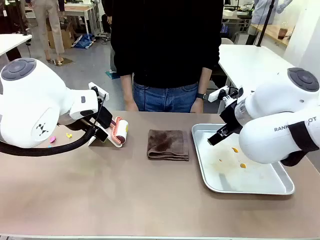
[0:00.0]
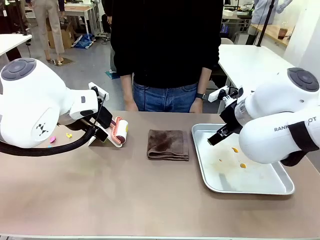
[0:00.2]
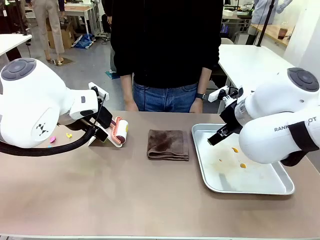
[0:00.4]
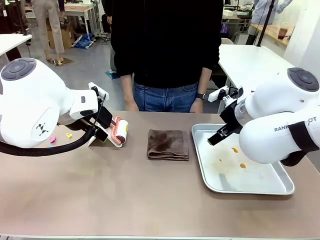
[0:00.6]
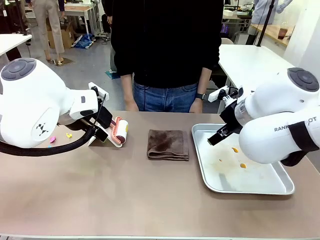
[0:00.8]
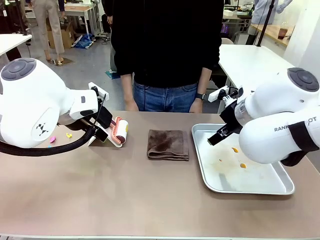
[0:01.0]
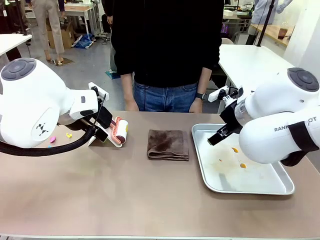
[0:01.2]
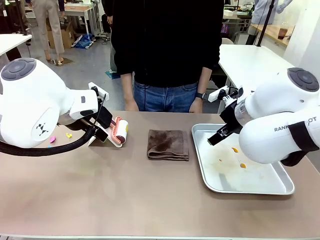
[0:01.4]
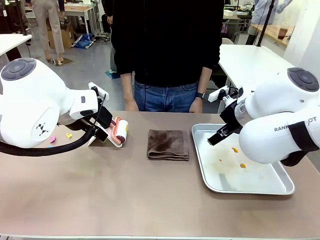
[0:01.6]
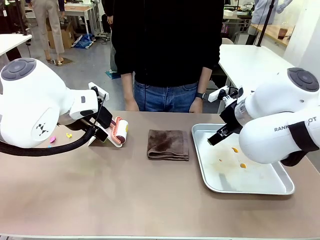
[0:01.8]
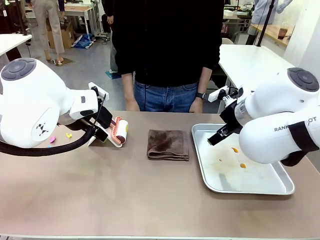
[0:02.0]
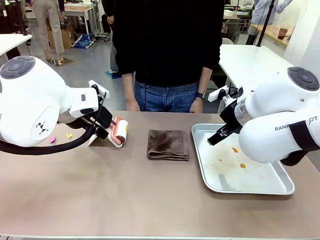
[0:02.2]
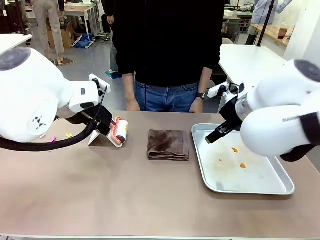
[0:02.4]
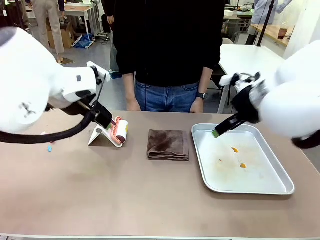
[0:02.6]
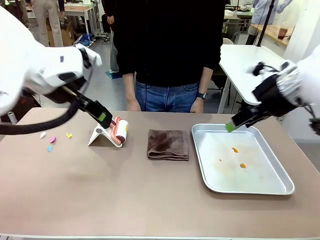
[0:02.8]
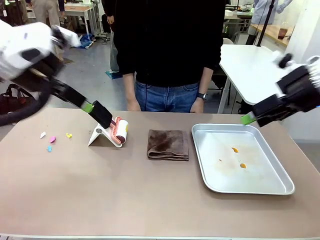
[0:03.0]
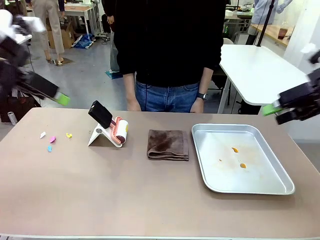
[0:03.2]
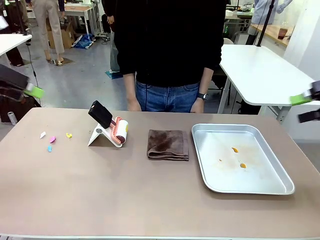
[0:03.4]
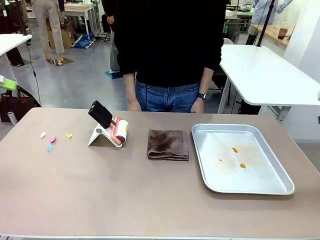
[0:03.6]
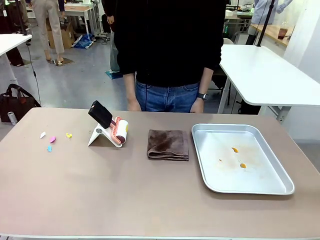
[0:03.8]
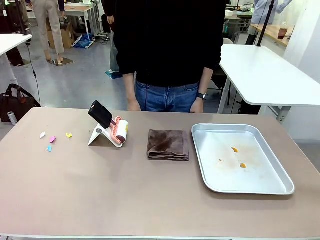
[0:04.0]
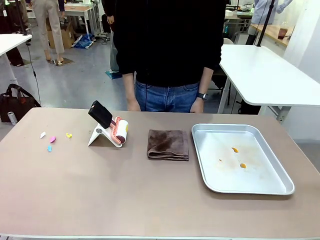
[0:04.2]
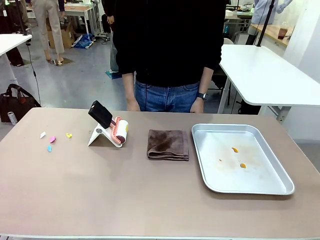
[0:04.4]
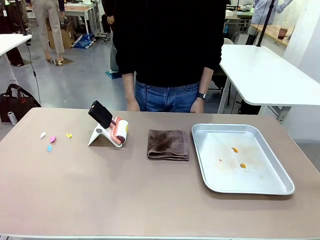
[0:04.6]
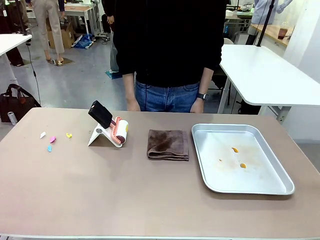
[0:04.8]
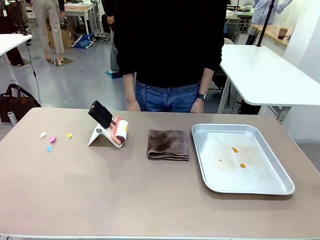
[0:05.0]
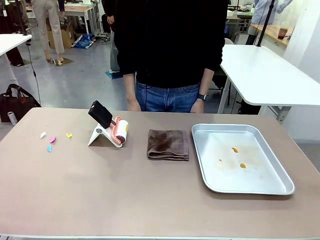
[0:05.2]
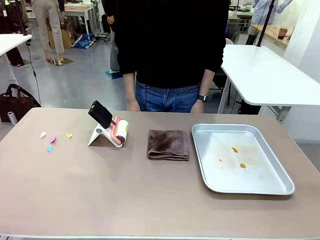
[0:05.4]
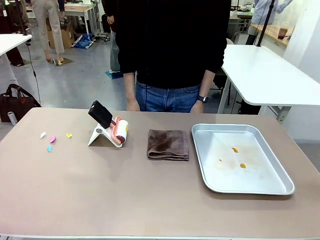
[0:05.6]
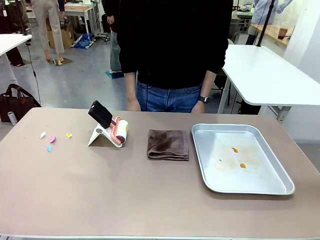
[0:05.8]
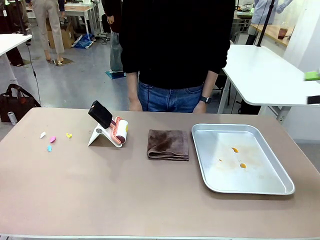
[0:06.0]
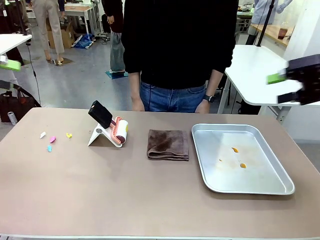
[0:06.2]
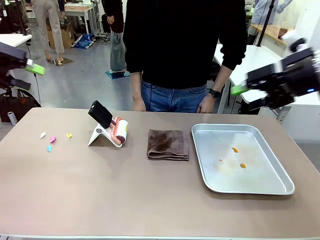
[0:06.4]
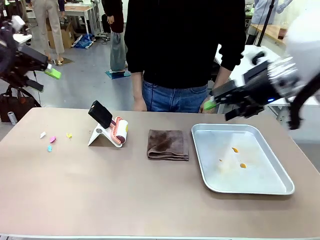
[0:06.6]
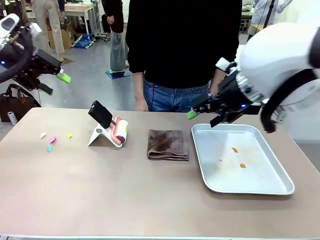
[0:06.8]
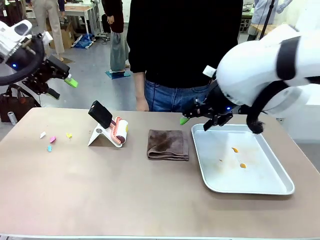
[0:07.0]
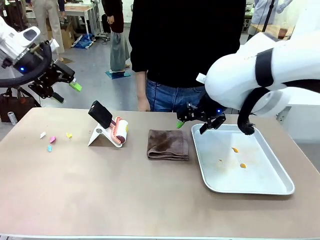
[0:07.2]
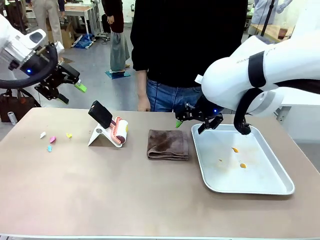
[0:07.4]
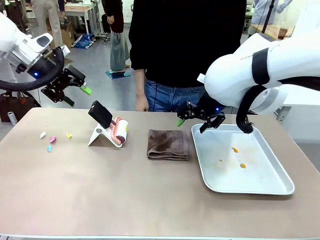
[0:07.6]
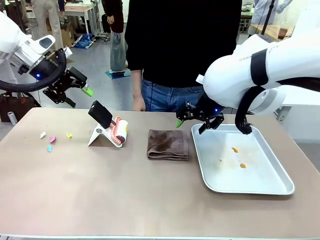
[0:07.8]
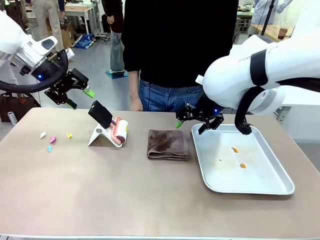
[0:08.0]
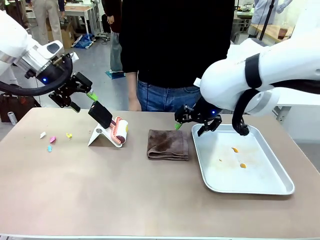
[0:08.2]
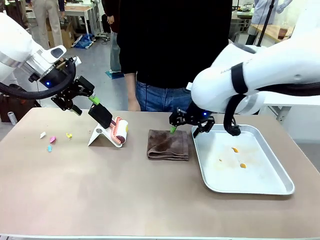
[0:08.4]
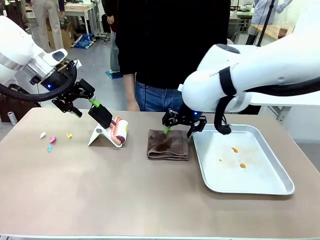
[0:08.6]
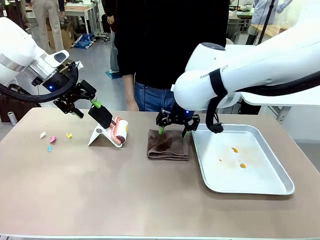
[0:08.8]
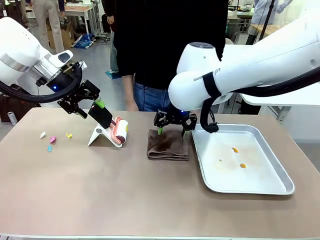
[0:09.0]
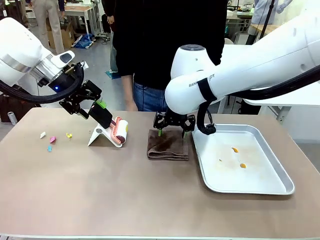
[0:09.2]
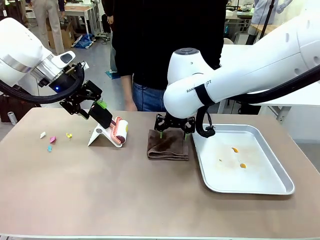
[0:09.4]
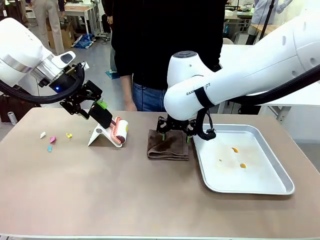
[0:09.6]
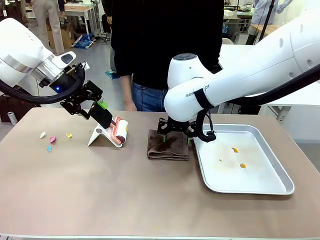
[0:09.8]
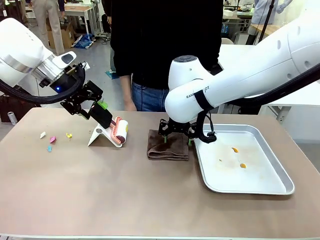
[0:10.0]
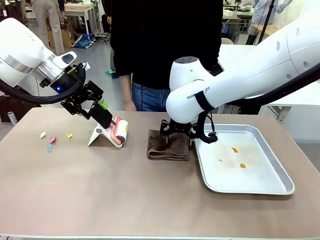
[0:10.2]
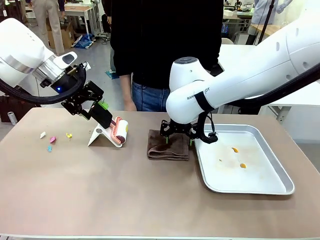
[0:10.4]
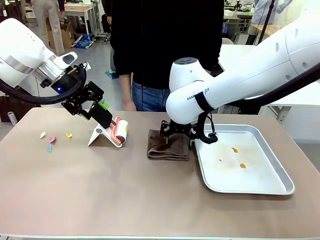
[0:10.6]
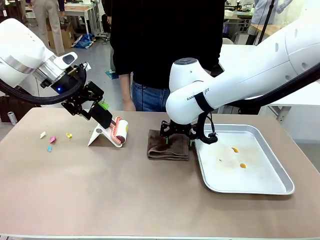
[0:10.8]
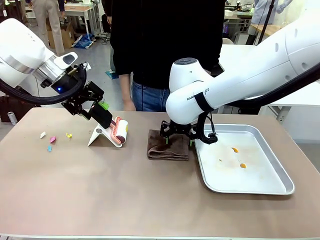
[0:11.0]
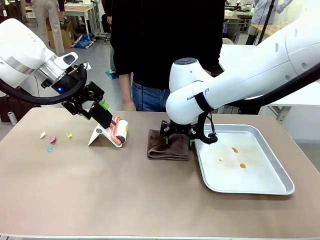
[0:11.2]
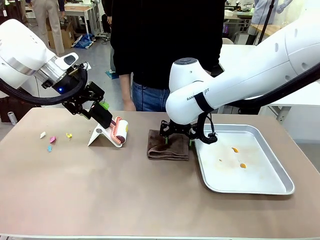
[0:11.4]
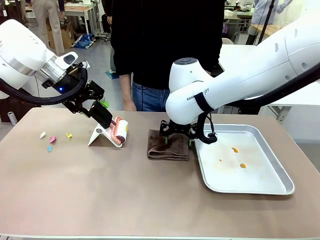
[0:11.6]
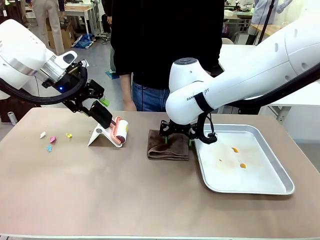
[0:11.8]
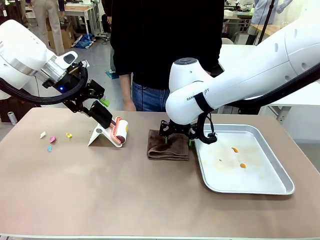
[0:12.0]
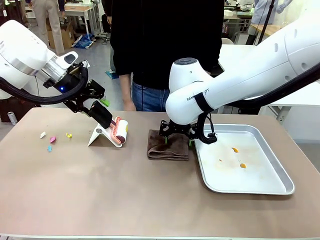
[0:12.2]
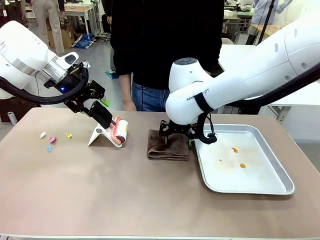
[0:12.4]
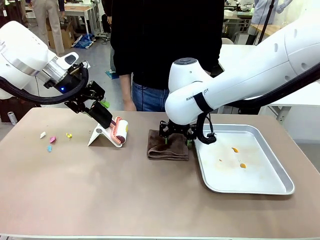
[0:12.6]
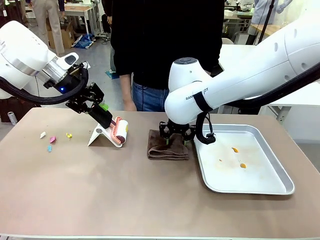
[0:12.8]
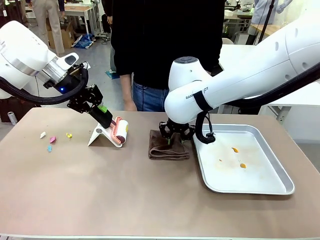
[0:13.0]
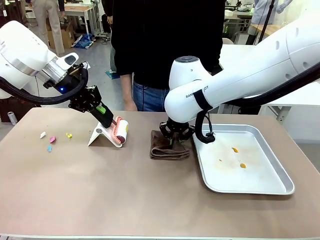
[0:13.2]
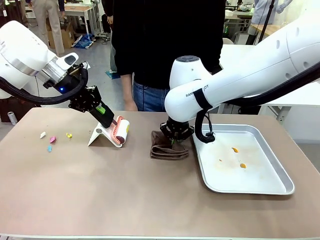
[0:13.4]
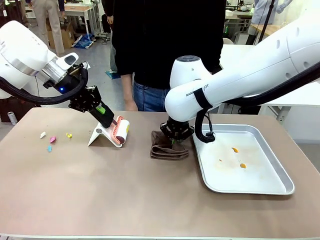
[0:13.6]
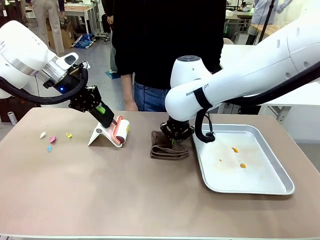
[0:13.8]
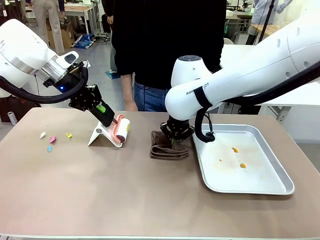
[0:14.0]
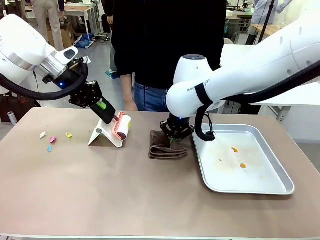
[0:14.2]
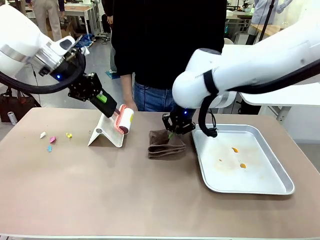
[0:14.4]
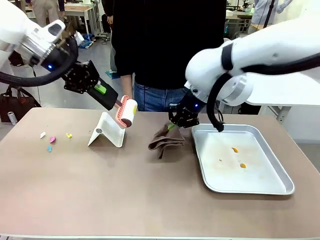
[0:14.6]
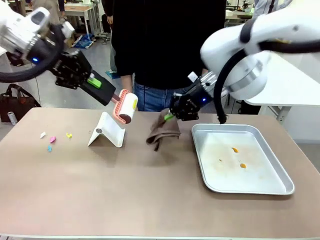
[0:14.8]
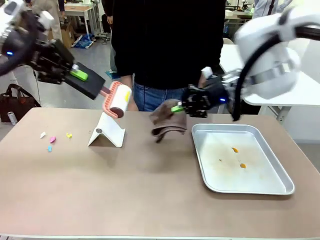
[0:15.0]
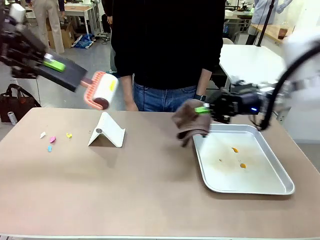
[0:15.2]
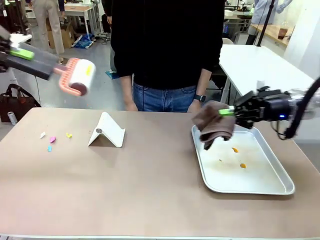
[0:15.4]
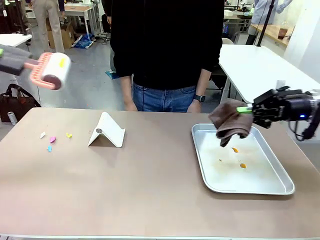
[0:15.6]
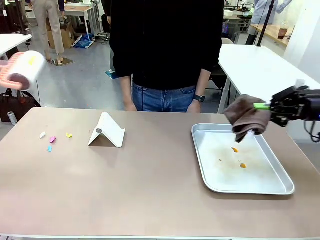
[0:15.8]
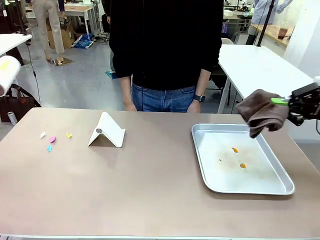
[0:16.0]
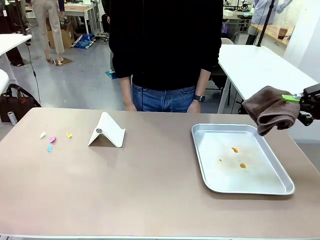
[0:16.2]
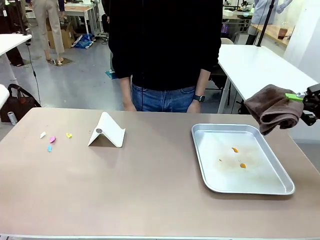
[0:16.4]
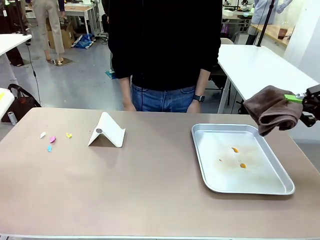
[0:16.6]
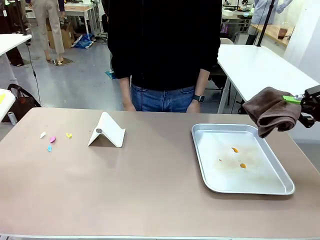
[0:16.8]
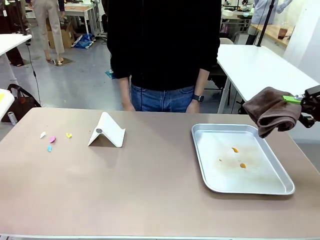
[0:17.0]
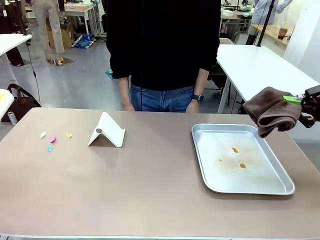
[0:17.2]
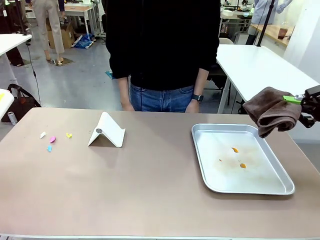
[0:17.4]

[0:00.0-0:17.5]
Task: Clean the surface of the table.
Robot: Hold the Lint Roller with your left hand and the towel with your right hand.
